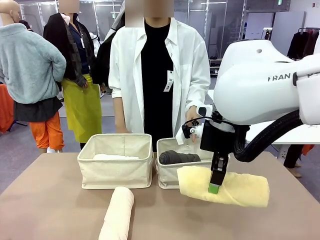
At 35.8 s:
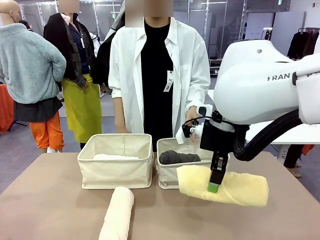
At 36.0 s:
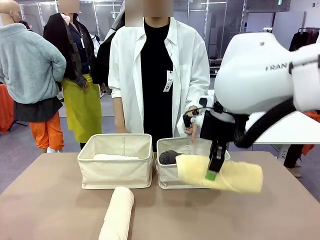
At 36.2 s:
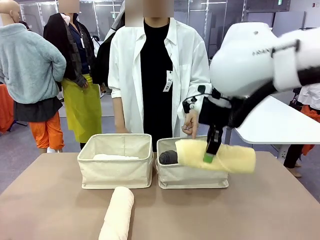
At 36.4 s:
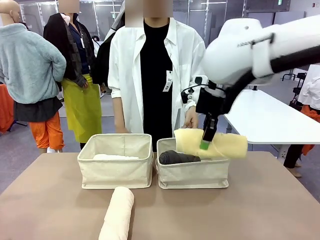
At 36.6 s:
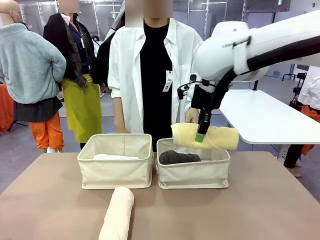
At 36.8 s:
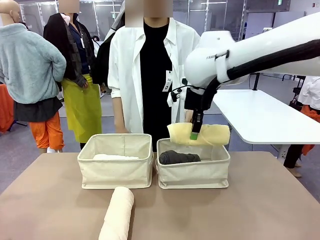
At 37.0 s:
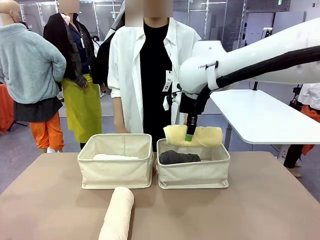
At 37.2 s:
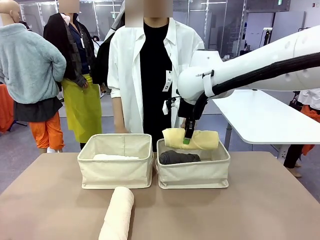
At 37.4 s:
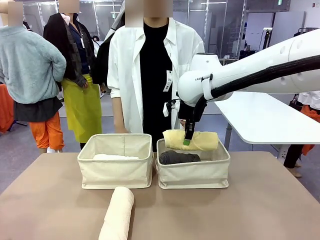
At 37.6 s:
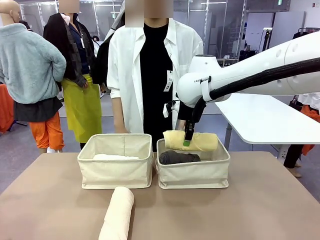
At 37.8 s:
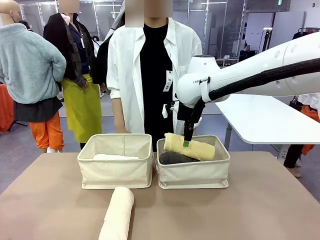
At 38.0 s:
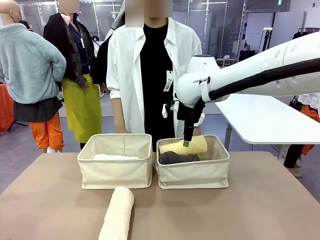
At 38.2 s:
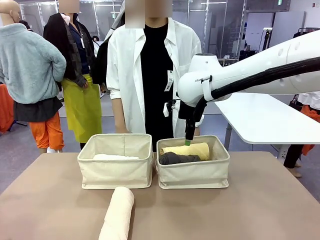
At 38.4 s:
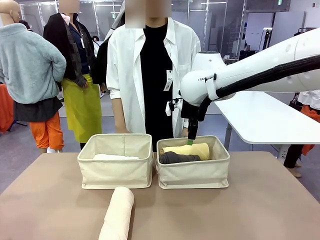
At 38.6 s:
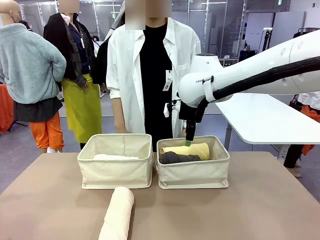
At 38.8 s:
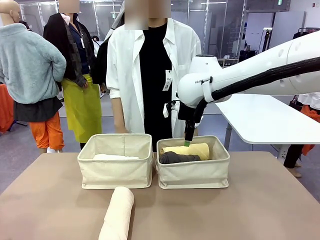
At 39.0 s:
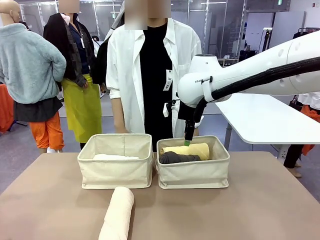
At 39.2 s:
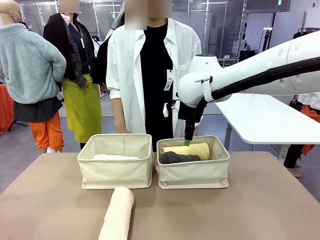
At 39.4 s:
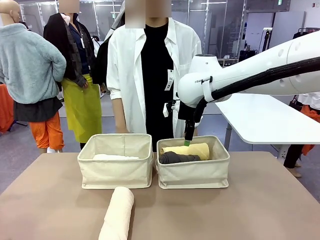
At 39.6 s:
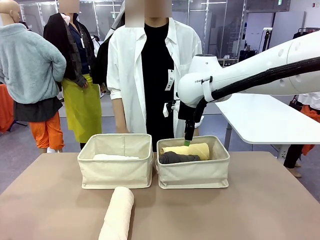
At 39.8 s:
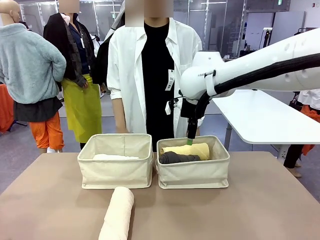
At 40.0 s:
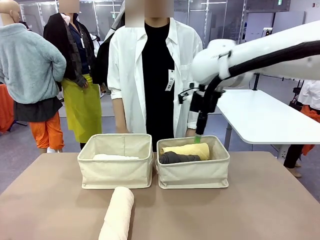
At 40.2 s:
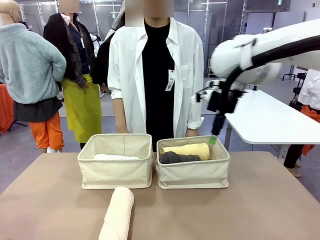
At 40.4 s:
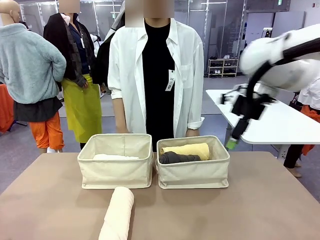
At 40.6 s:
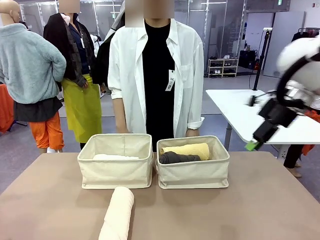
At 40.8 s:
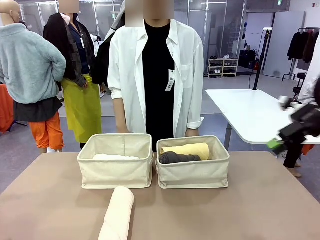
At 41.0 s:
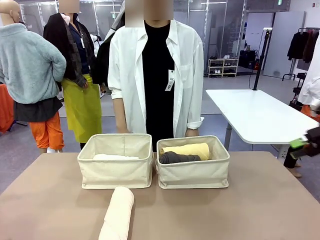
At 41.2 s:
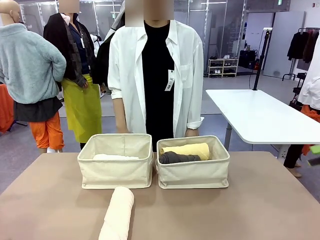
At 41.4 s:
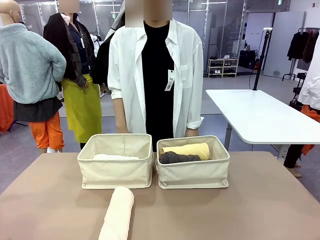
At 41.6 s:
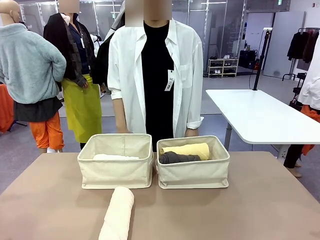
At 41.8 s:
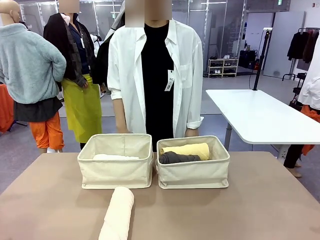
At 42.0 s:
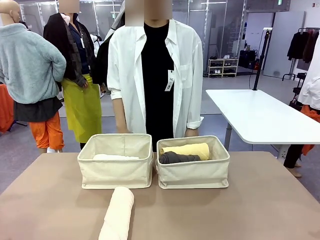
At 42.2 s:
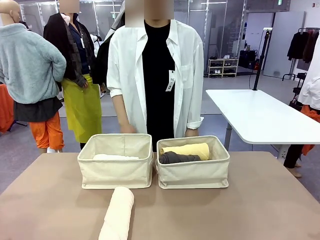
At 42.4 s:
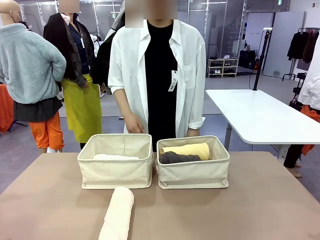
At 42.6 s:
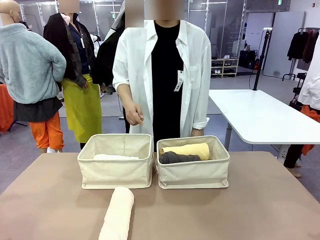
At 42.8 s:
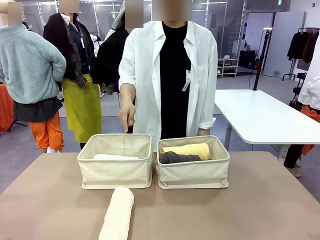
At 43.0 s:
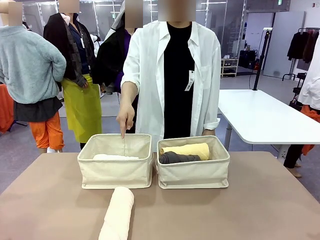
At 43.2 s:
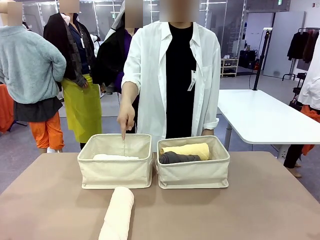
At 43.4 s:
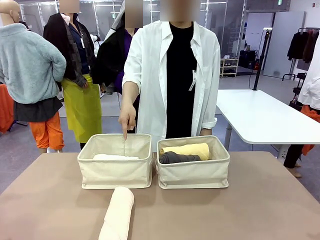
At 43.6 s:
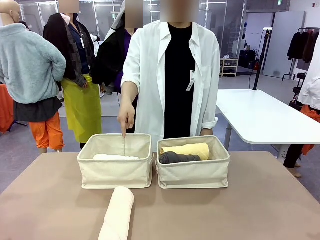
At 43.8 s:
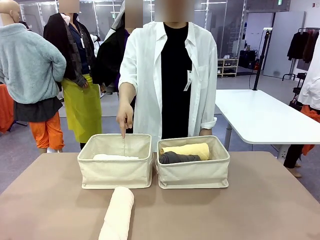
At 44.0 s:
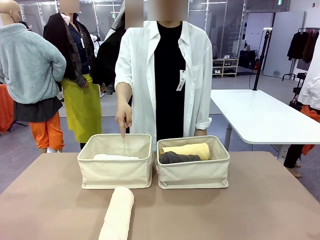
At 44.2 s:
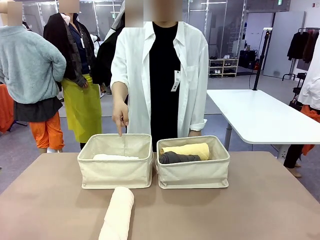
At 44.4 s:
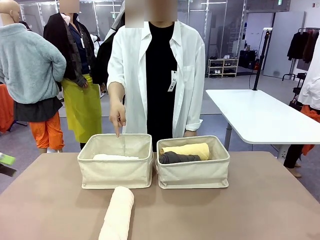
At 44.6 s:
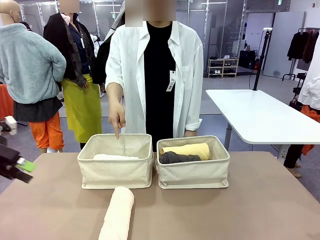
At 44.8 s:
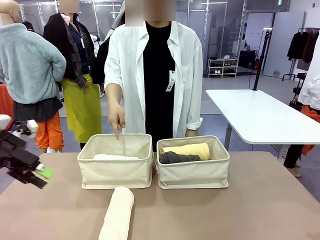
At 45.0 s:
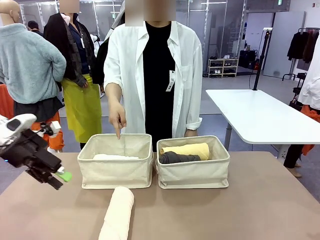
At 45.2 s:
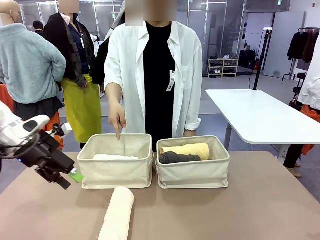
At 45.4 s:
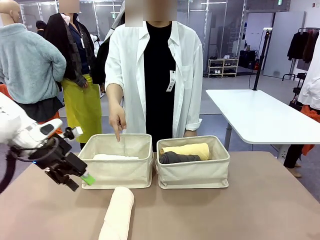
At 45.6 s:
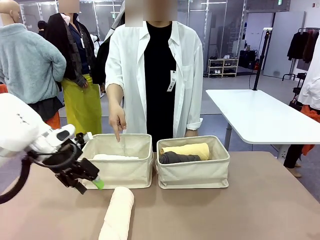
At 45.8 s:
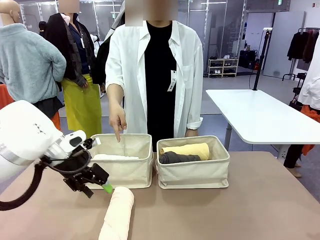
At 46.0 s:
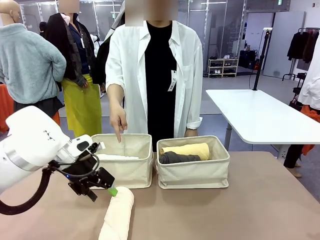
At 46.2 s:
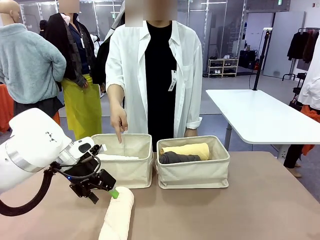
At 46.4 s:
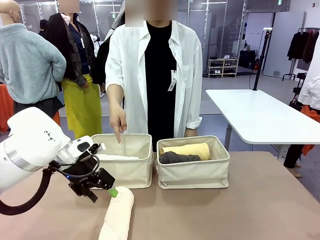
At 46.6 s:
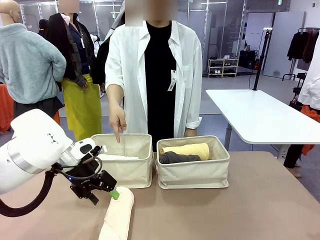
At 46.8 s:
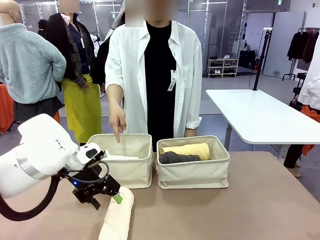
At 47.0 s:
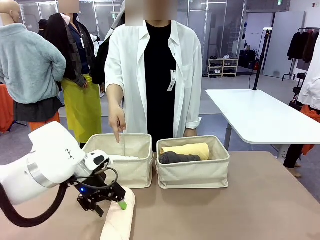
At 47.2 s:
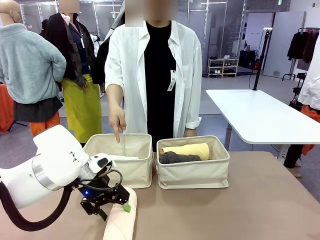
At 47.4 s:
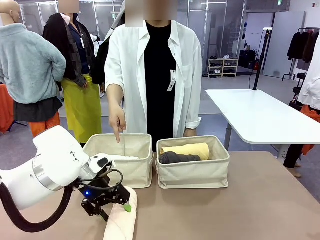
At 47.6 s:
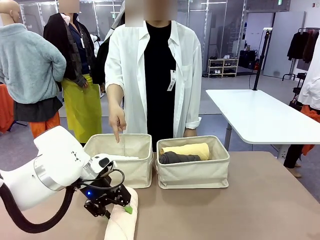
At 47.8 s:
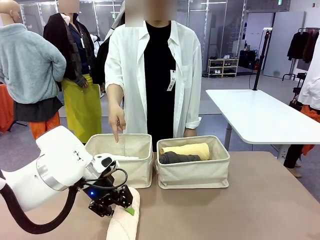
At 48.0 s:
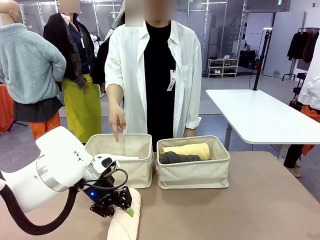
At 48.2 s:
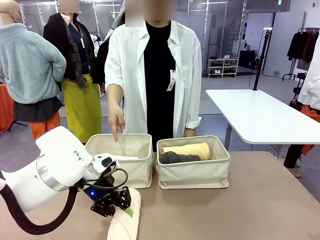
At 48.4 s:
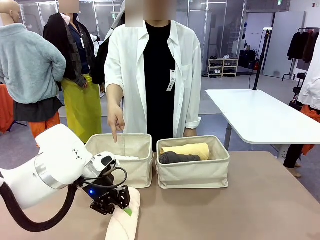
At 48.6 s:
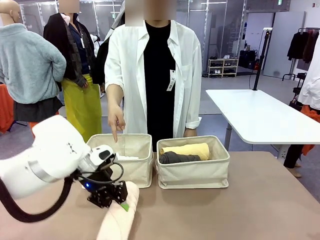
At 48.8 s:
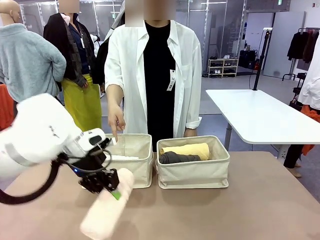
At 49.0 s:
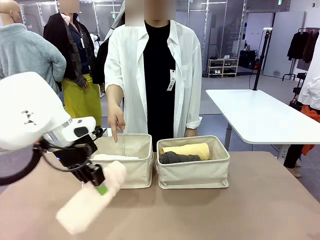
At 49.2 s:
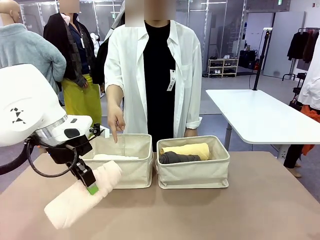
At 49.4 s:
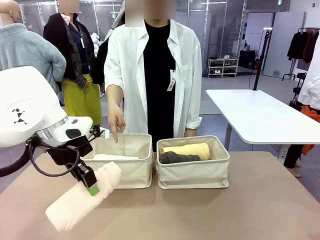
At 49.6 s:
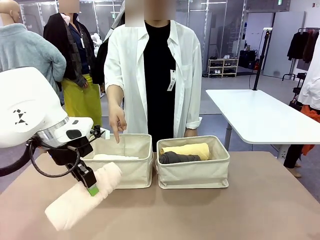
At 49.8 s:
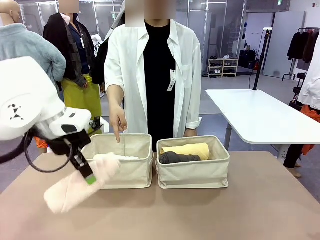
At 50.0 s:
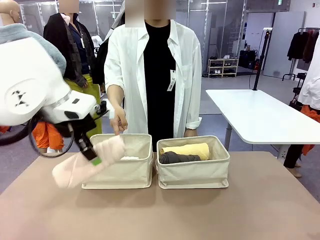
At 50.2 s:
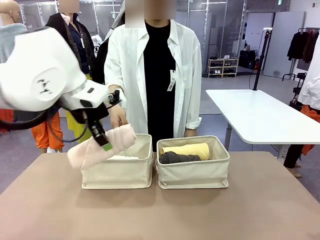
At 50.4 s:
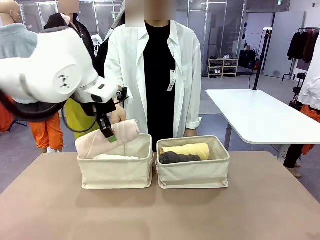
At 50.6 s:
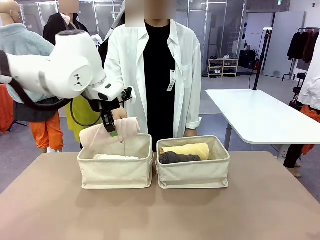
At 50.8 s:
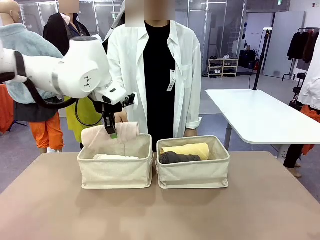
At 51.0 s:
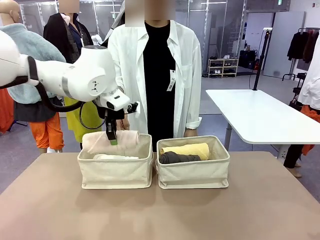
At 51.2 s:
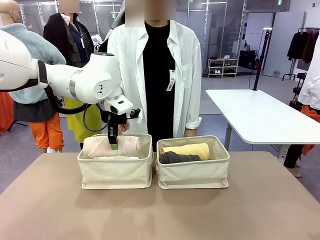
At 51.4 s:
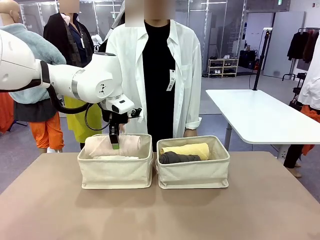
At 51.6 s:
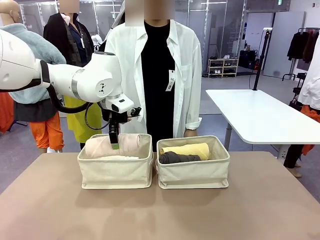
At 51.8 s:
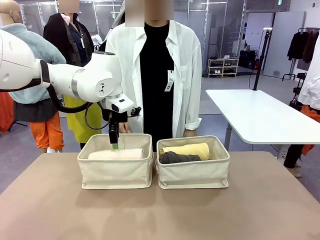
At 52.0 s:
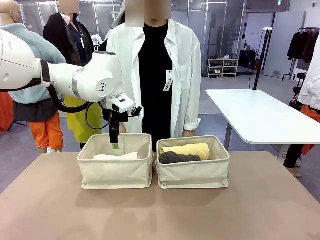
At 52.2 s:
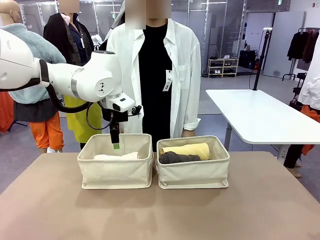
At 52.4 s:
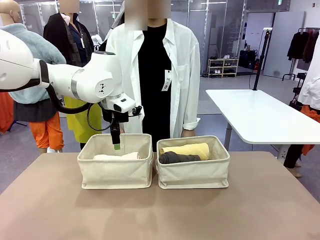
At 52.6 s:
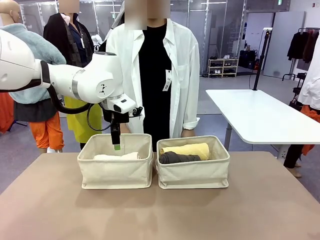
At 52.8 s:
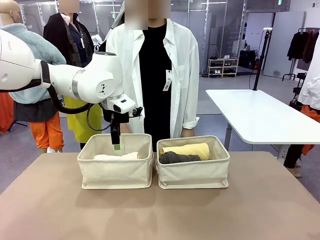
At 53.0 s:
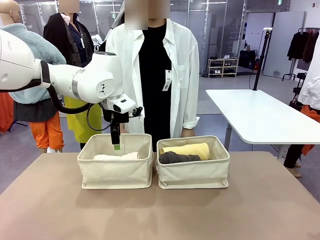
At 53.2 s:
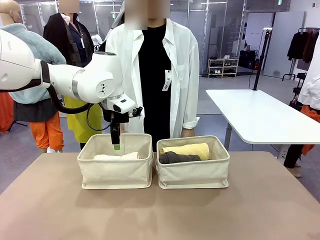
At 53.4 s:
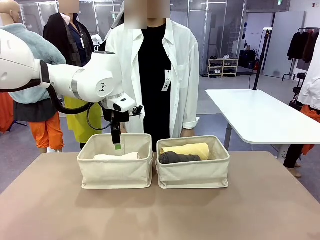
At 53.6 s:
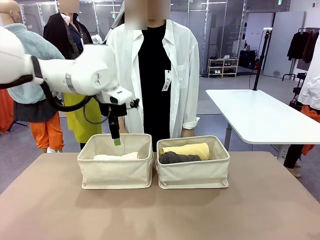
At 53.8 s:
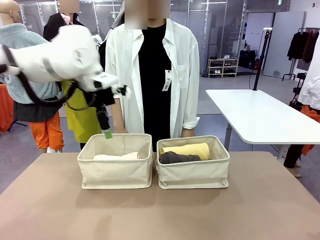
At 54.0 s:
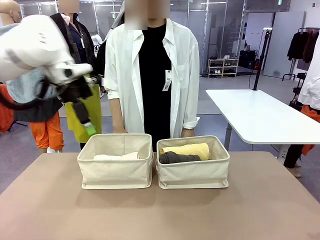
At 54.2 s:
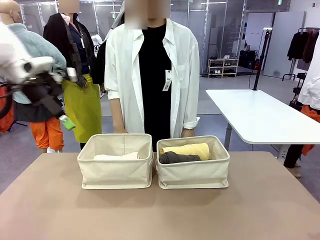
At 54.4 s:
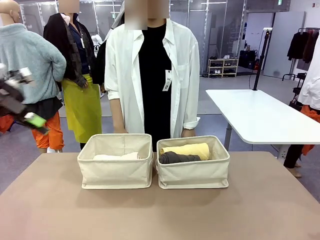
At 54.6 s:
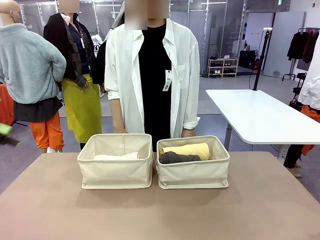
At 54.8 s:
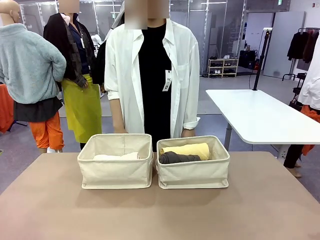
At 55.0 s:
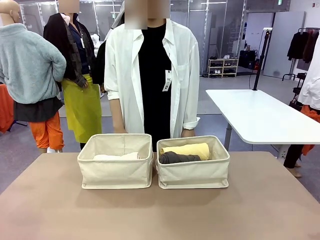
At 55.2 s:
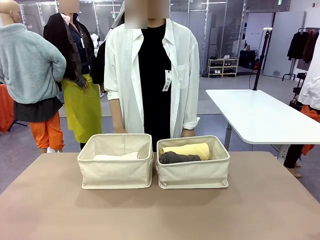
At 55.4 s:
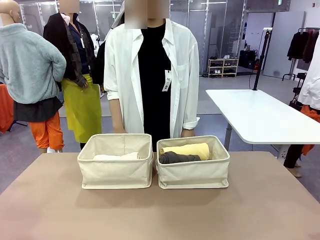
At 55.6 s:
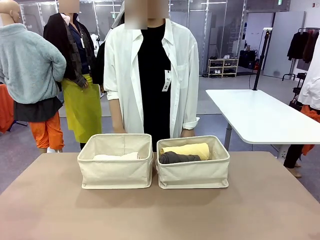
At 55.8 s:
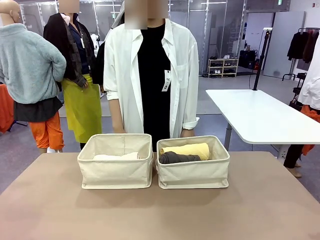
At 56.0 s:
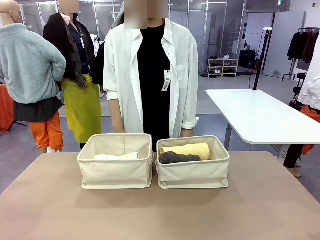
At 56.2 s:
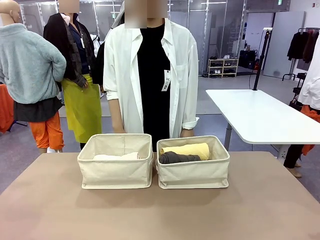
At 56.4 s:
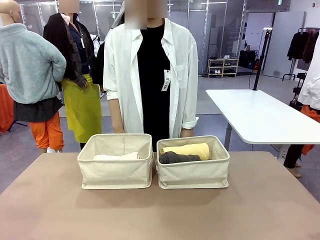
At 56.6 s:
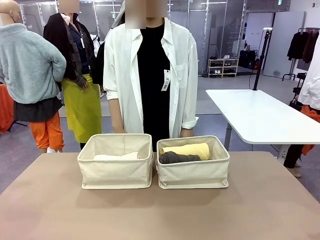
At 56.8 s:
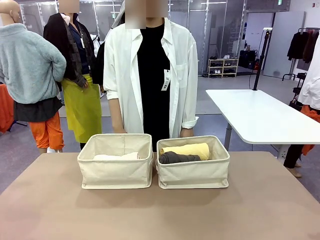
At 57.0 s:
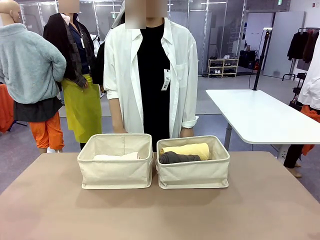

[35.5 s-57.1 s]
Task: Divide the towels into two baskets.
Robot: Pick up one hotel-folded towel from the bottom of the table and place it in the Fabric basket indicated by the person.
